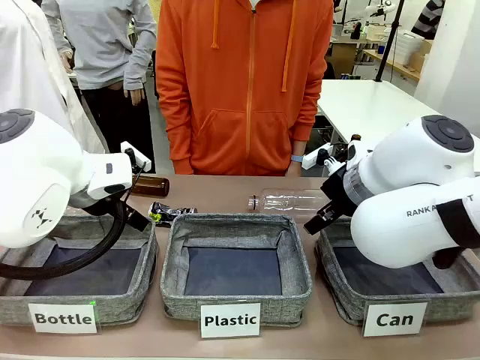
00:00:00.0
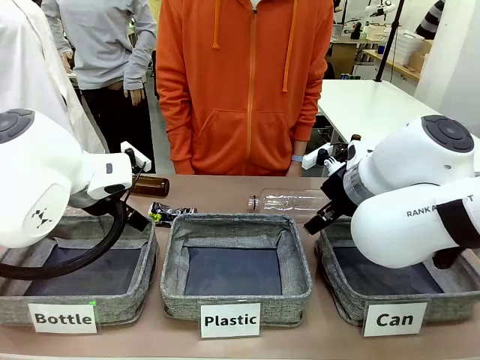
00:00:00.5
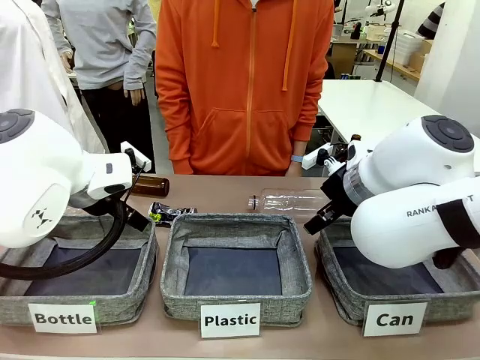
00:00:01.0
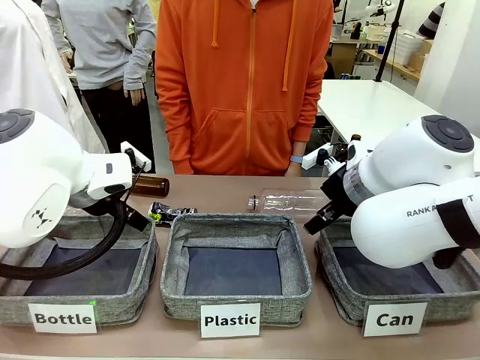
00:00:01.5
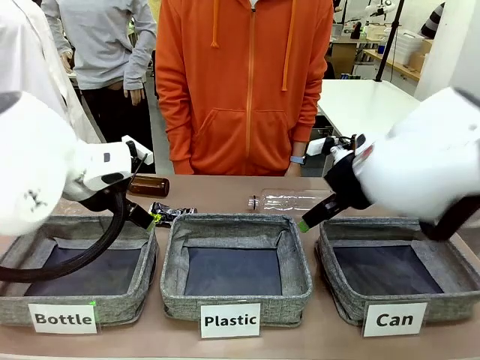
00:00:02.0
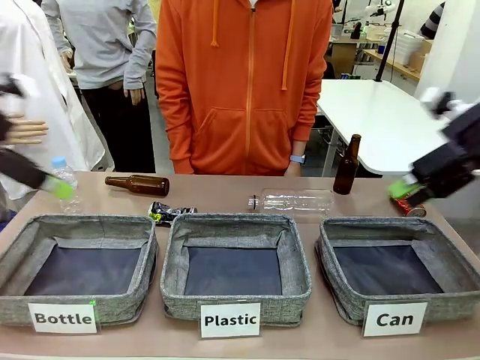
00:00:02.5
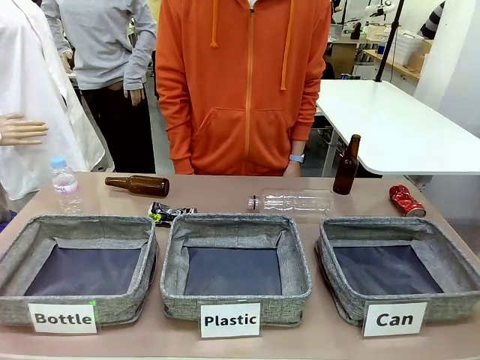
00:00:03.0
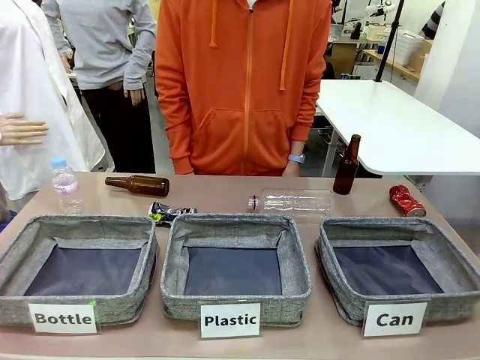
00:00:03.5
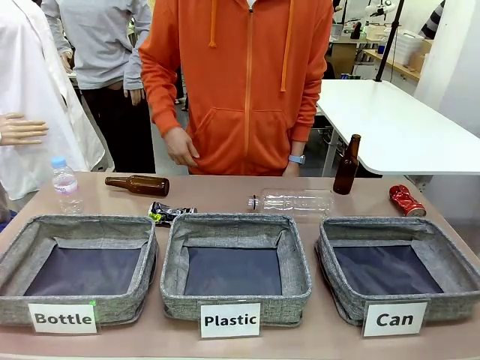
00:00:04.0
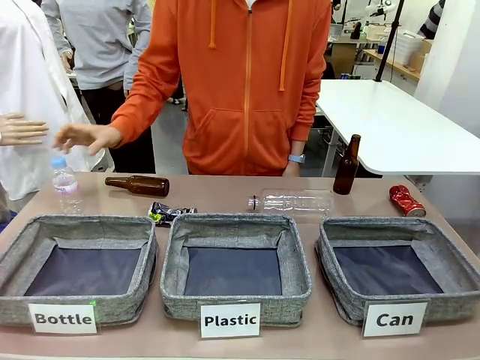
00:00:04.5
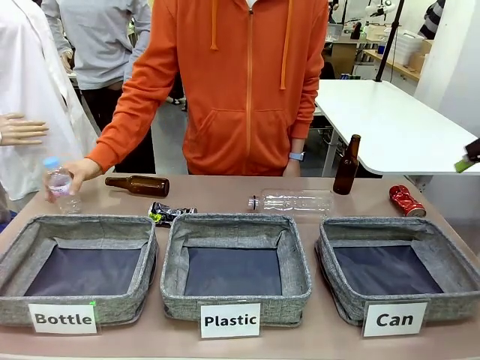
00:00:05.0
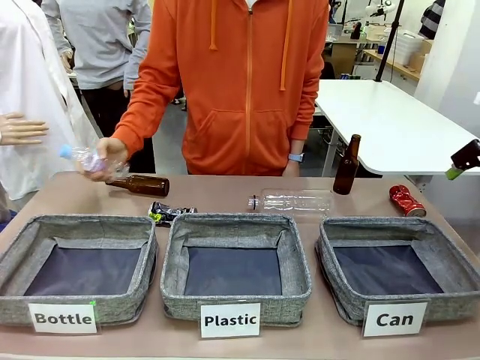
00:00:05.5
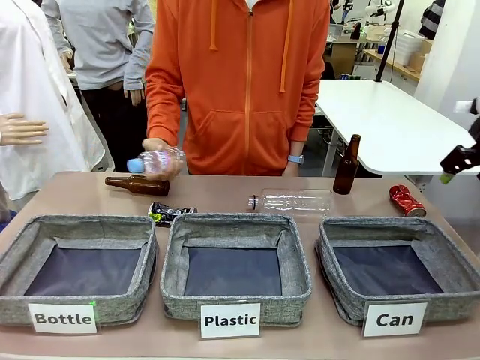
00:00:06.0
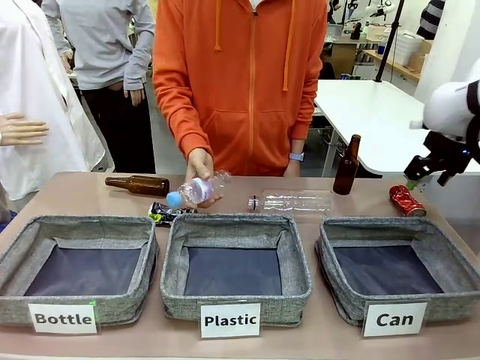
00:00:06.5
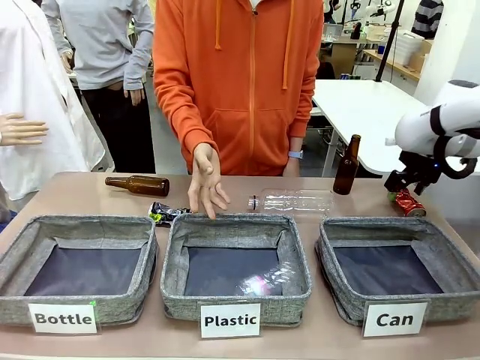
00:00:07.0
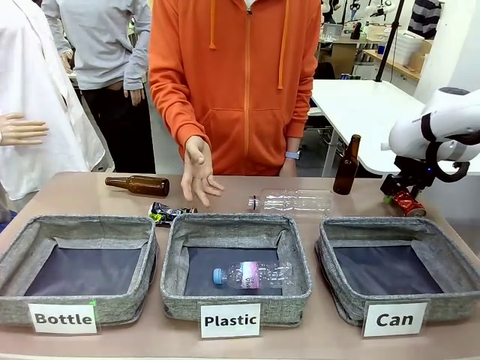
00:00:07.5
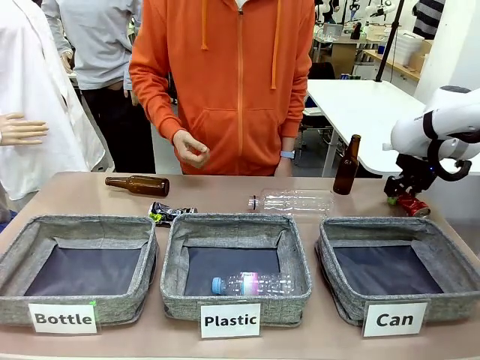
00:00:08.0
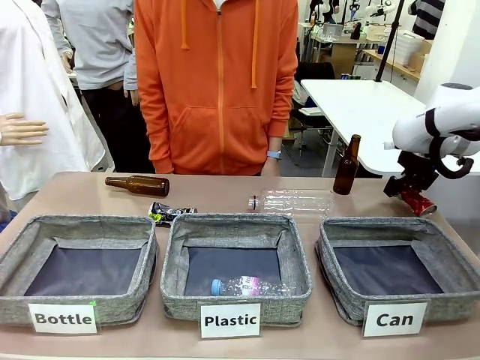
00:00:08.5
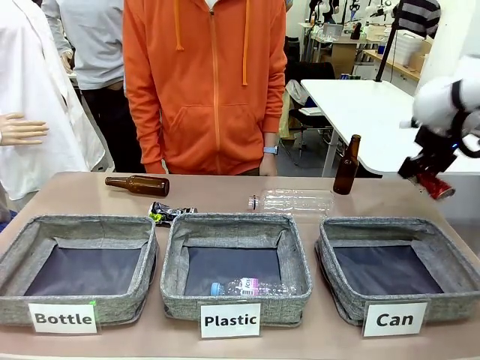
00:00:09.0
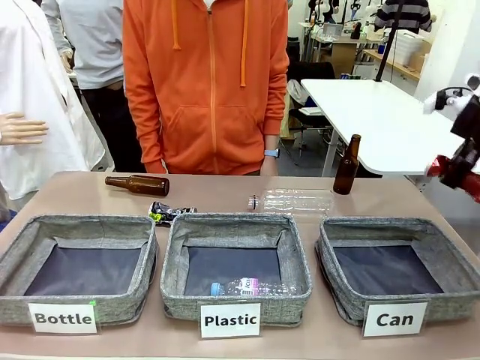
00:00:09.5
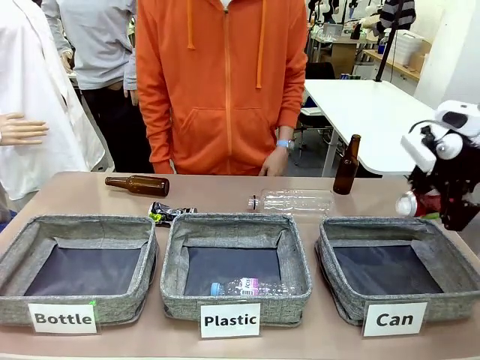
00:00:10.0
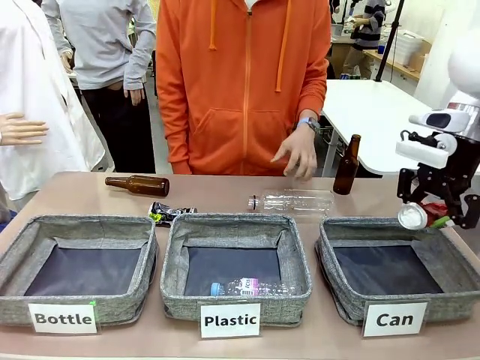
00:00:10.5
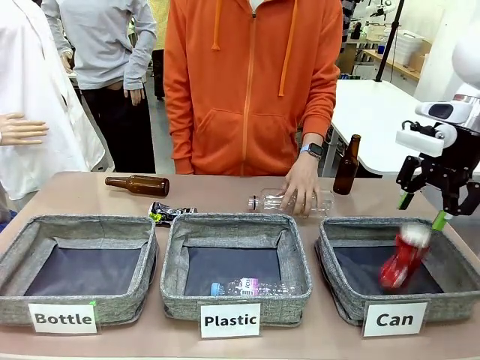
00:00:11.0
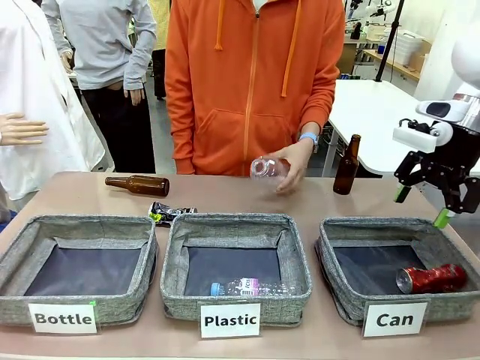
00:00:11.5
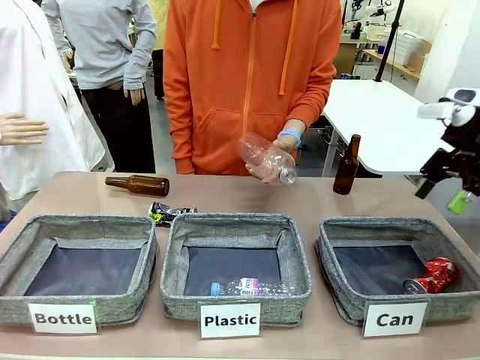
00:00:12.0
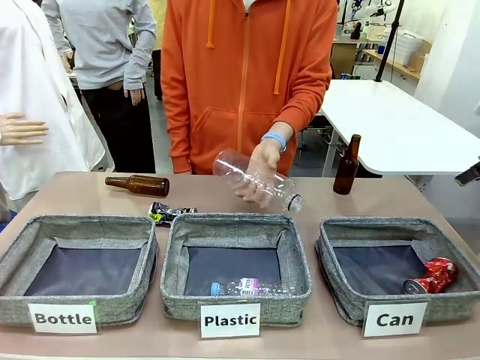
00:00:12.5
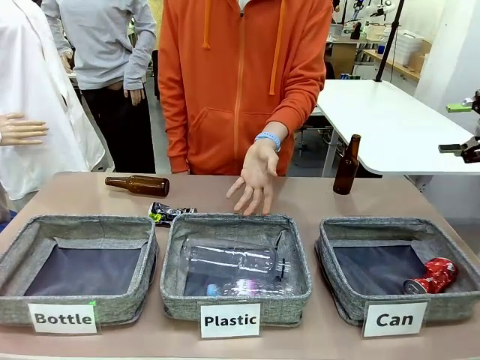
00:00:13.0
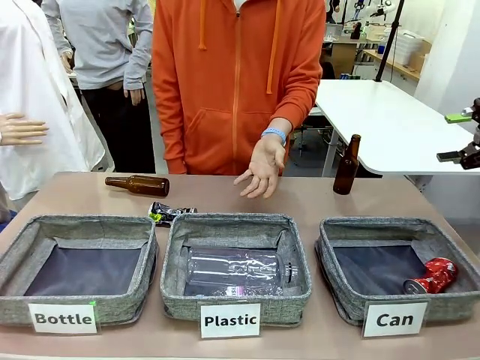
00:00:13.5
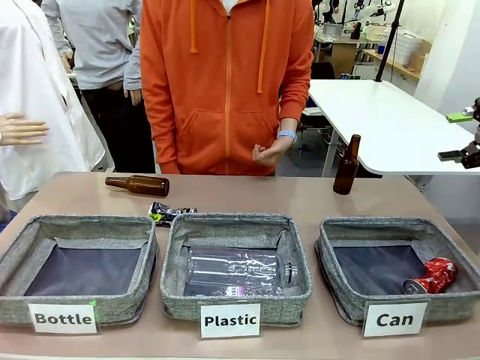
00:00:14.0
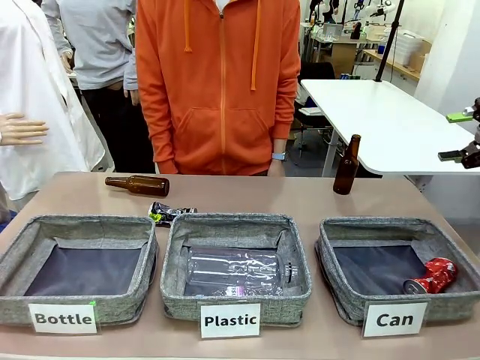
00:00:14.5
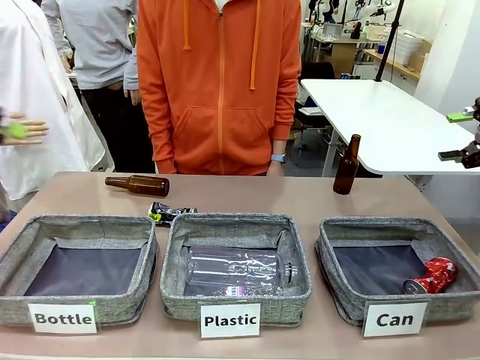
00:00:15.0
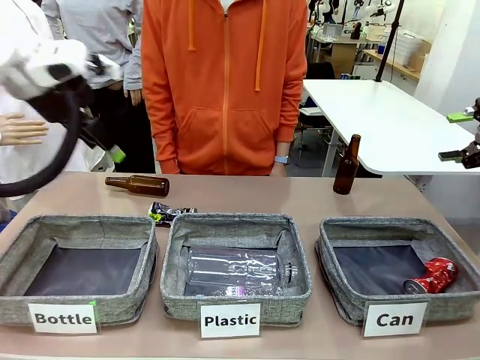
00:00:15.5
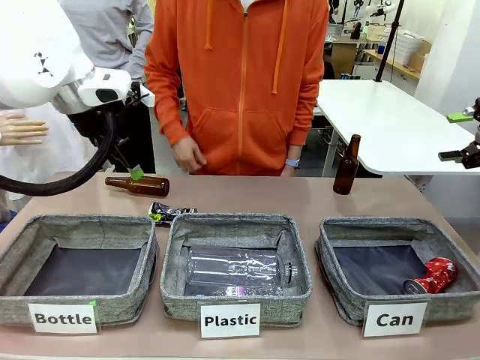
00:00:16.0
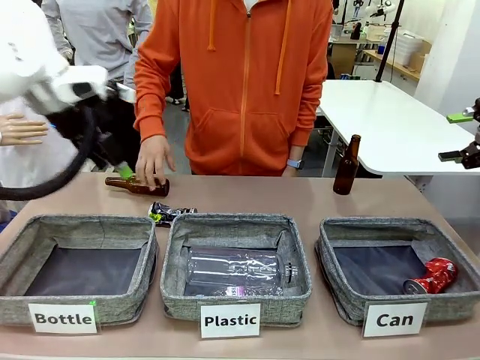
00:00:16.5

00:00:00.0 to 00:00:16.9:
Task: Sort the can waste into the basket.
Robot: Pick up the can waste from the table and place it in the right Fabric basket.
